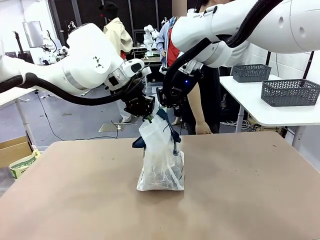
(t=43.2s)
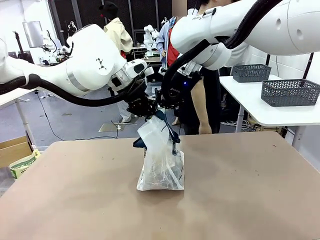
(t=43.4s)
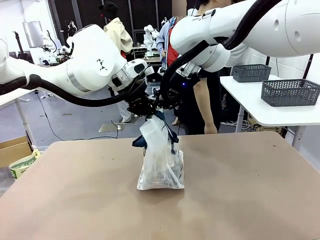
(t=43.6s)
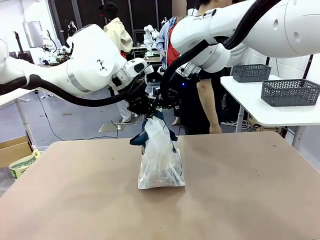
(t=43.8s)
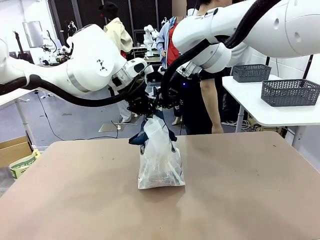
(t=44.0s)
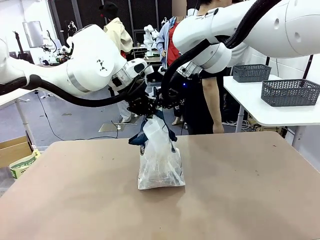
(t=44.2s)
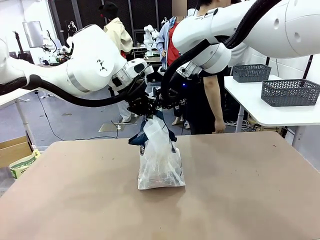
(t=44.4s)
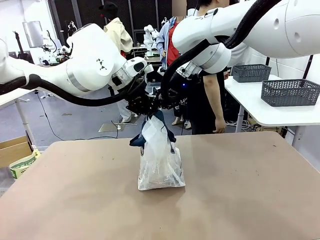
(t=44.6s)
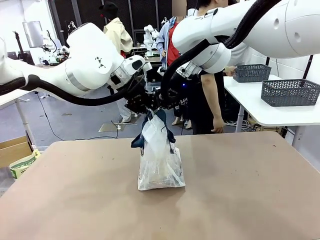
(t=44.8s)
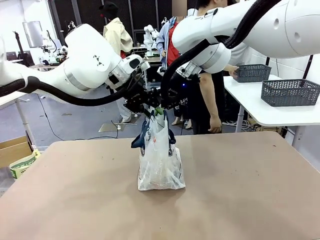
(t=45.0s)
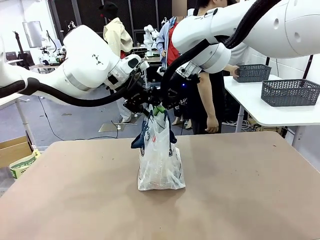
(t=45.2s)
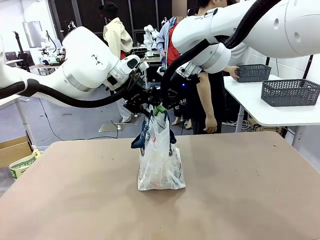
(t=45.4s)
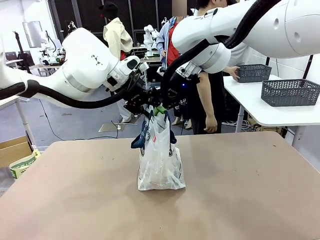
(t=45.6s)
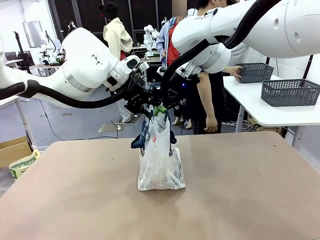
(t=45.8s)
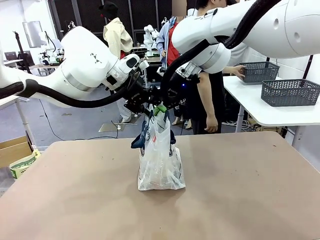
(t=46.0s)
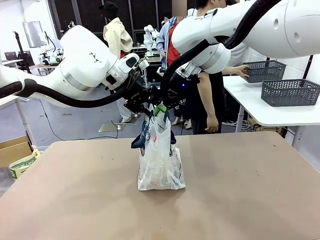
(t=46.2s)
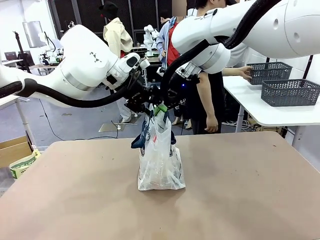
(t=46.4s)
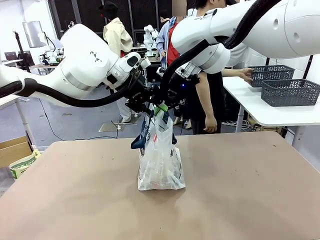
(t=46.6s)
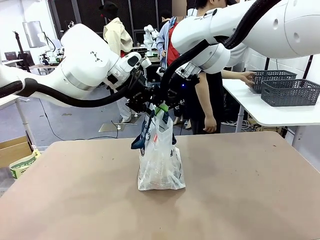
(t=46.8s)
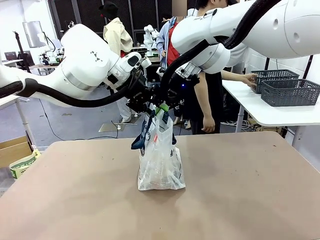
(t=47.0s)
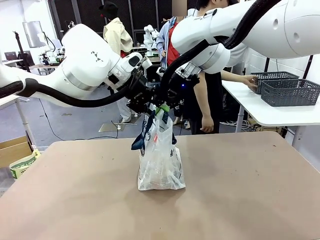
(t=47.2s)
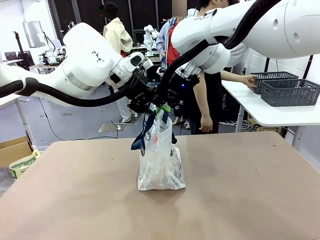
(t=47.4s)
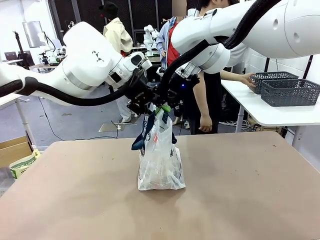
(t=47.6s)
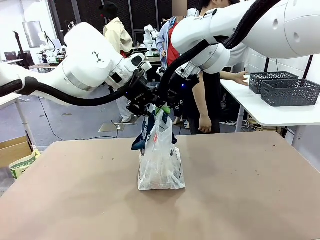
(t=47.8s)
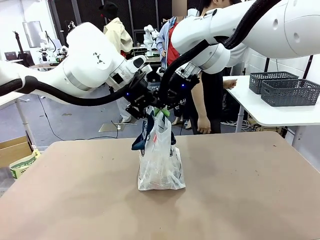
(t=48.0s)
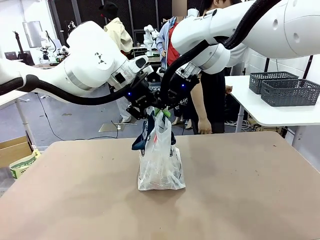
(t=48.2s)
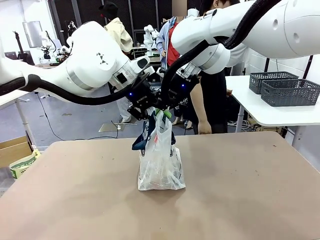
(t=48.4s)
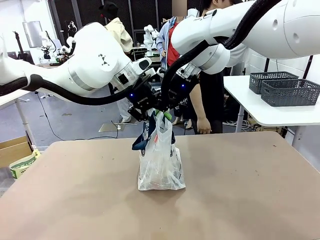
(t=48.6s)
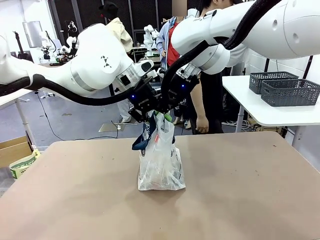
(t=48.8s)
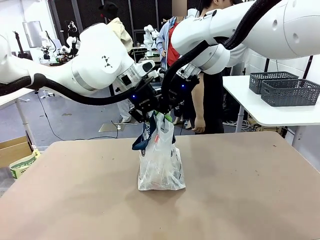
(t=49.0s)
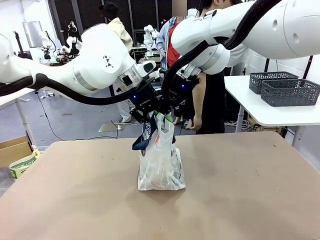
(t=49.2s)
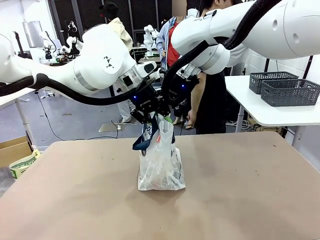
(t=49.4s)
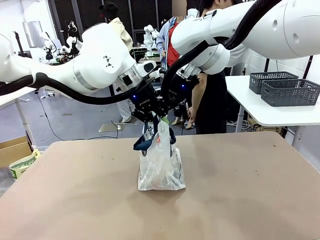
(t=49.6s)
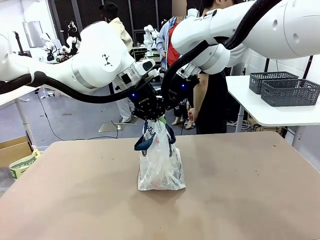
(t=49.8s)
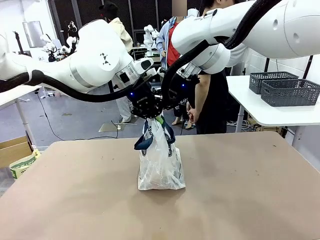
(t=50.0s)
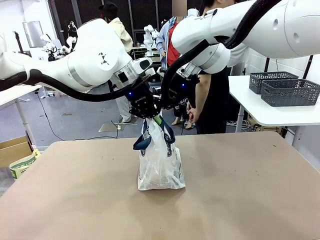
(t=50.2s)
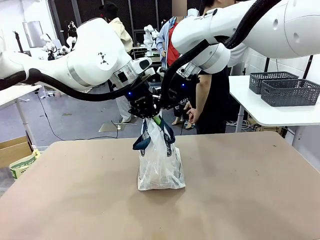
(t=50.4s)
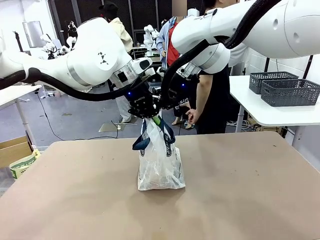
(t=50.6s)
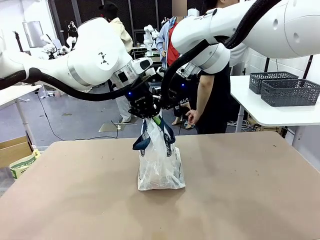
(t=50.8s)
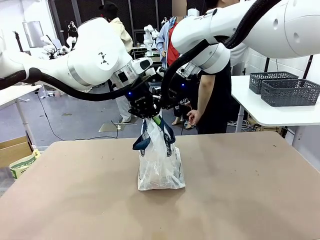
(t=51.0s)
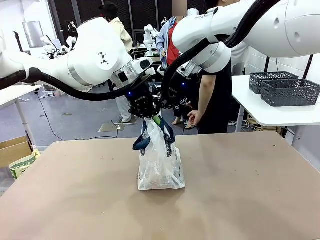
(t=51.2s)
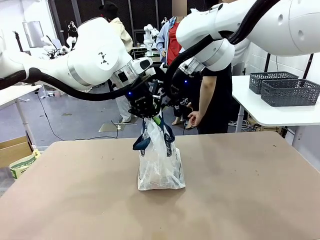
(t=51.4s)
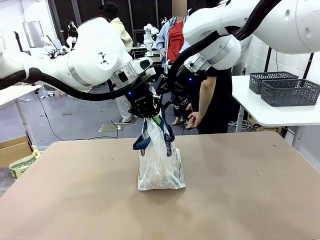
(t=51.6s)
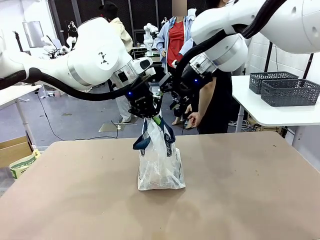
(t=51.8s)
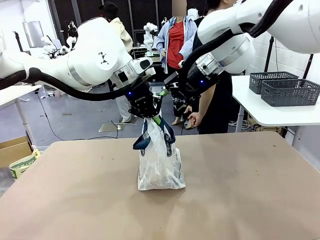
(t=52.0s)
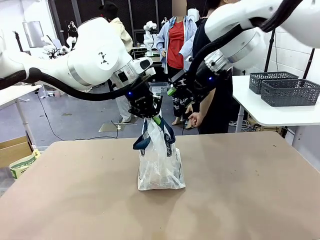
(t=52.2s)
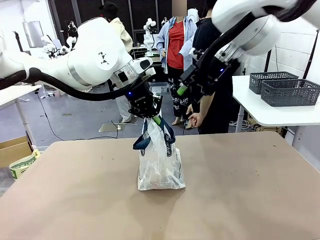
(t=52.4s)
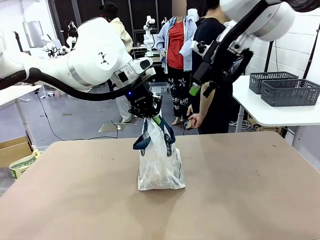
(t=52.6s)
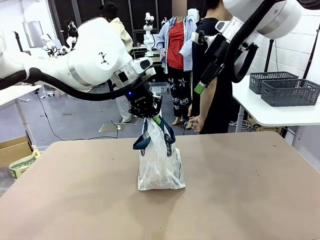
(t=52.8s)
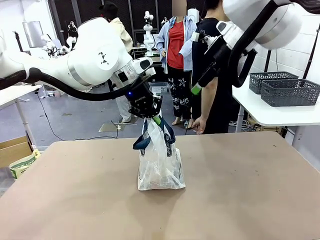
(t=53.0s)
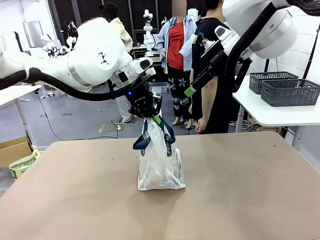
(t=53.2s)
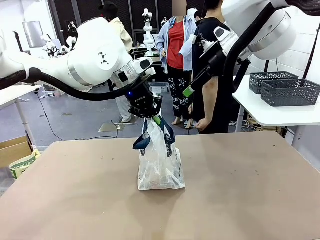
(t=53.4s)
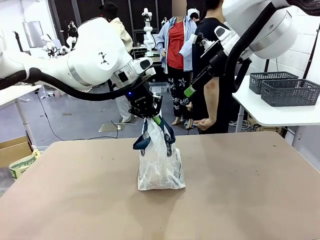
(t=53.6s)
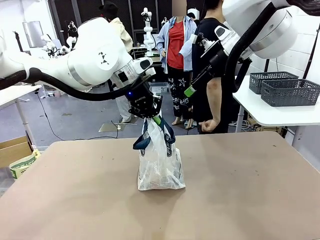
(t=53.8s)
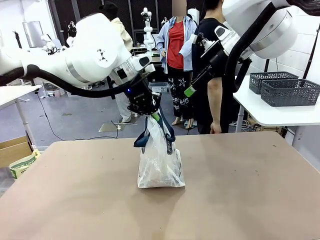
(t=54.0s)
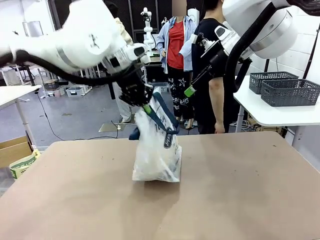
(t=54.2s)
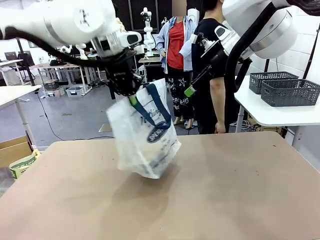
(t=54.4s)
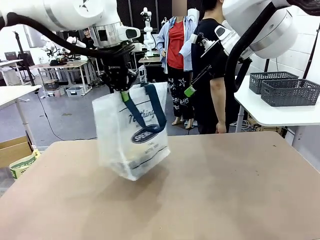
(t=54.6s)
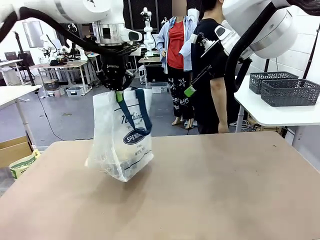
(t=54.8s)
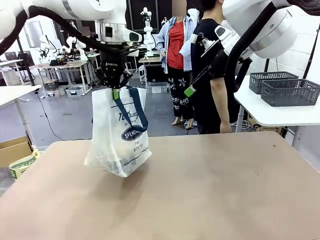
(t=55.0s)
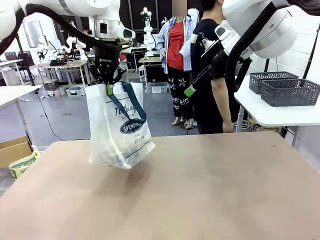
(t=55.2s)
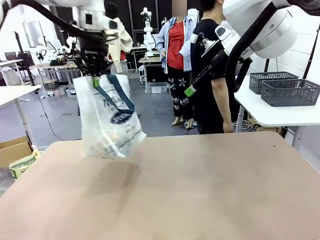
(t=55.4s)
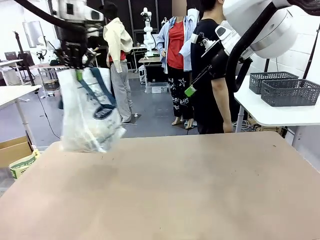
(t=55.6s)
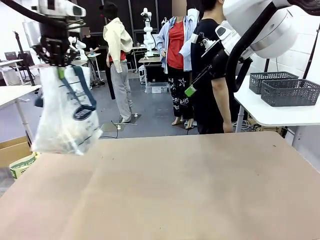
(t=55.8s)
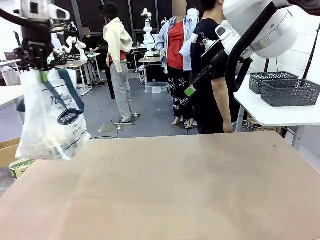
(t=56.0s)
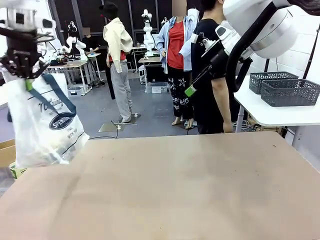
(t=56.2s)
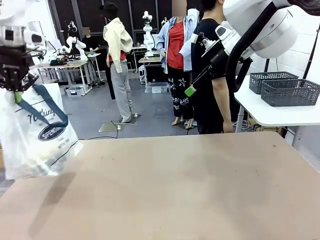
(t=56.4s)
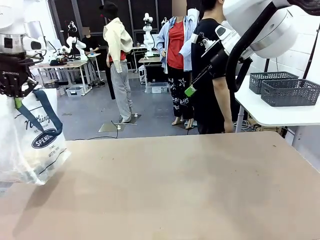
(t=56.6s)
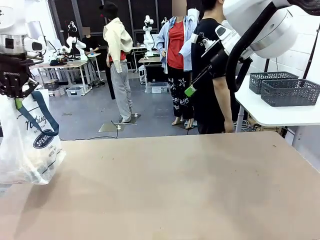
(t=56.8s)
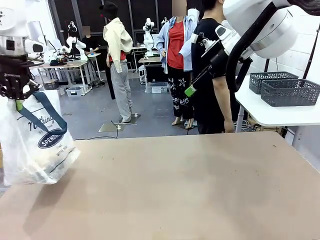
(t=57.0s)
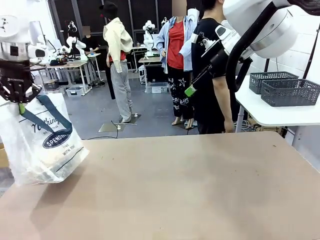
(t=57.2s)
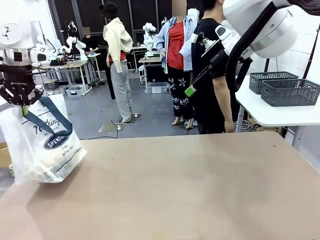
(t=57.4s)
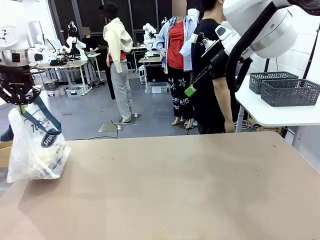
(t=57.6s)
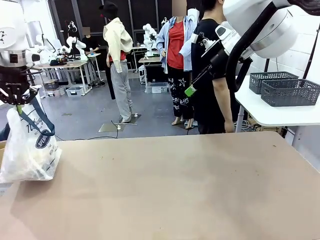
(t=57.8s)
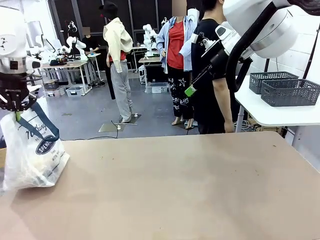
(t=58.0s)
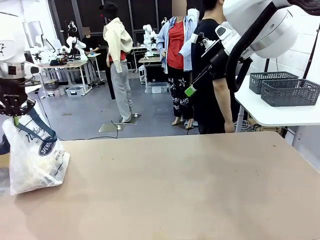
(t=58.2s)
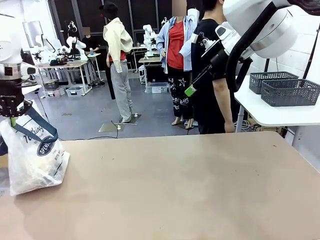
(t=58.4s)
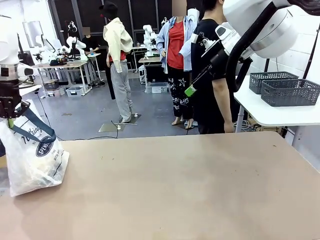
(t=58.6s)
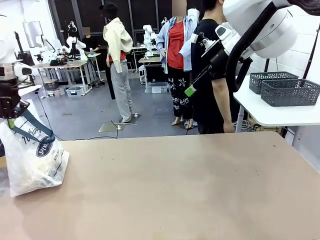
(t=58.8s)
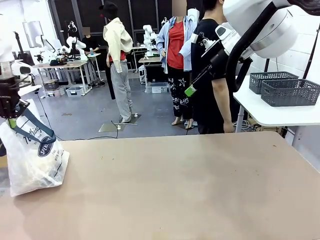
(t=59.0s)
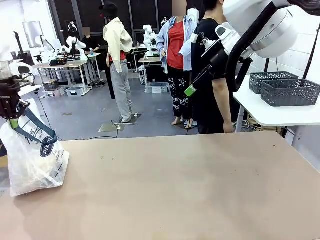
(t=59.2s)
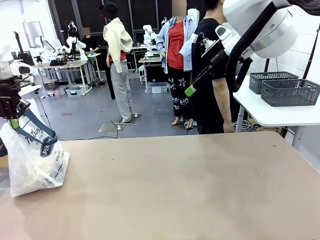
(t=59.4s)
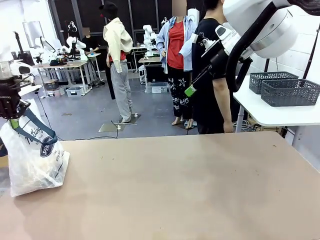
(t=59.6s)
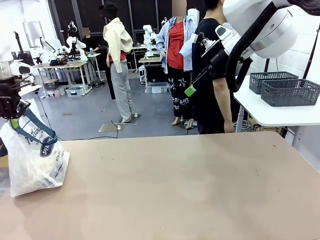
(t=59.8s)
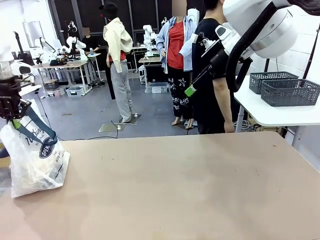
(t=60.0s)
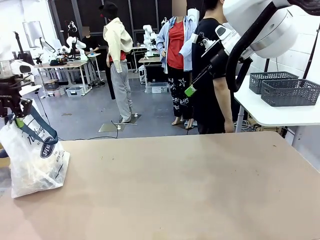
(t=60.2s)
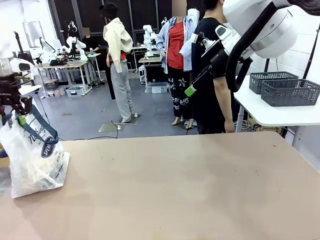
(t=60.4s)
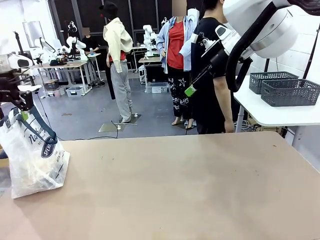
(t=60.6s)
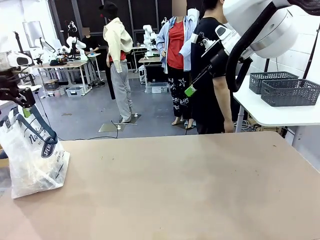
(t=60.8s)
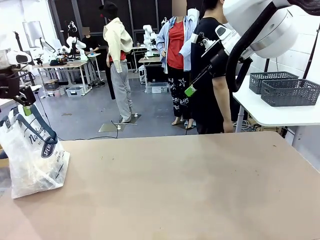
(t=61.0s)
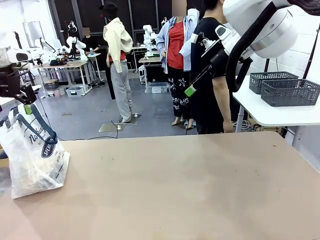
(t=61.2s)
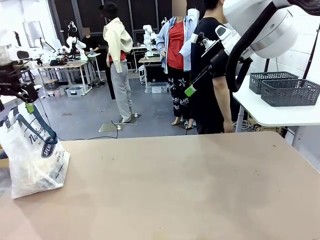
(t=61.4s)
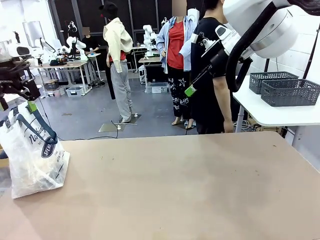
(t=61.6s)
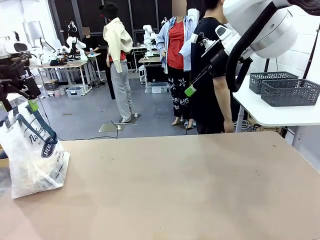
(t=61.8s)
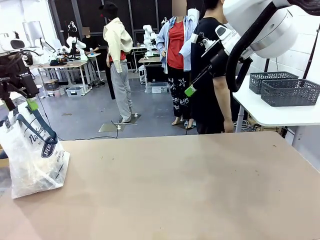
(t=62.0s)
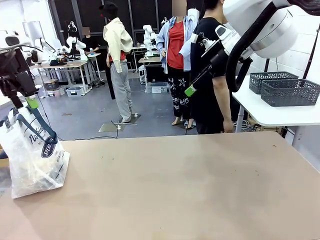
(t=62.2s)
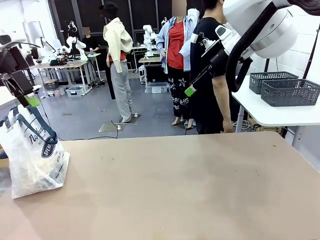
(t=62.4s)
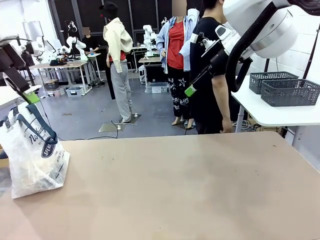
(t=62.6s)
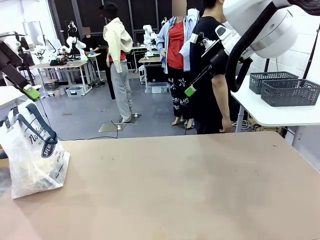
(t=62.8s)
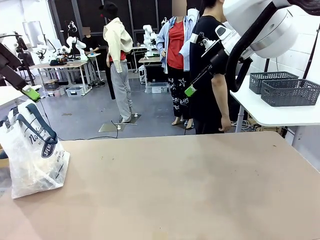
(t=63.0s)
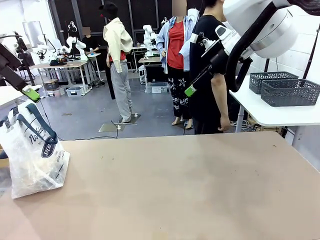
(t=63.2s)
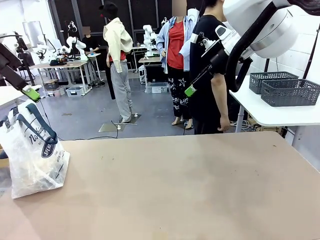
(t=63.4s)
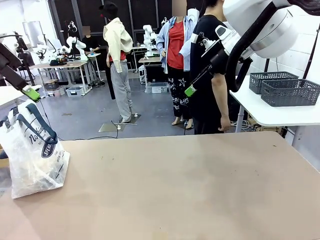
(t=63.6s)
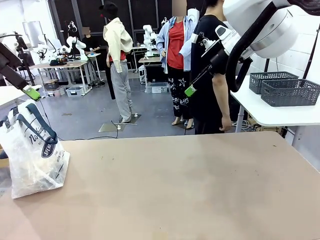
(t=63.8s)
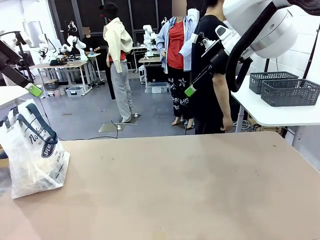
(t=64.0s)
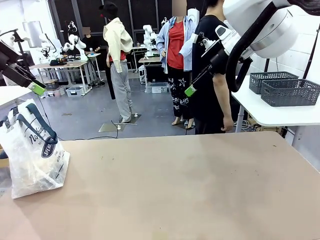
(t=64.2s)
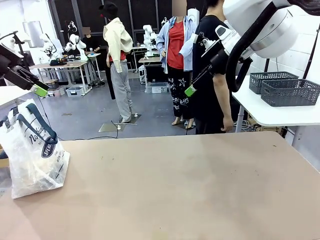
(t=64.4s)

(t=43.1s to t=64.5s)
Task: Transfer purchased items from the store into the shopping bag.
Robot: Move the Reusable shopping bag to the right side of the table.
Person: Move the basket on the left to the middle of the person's table.
